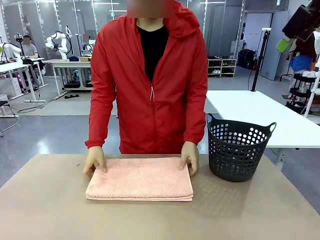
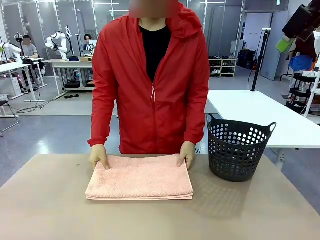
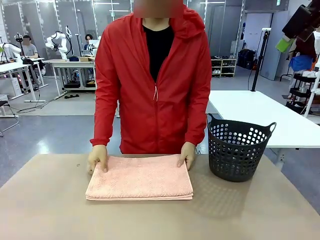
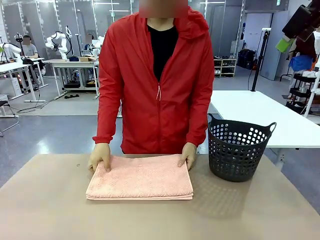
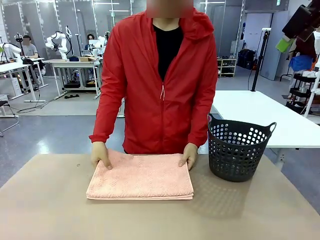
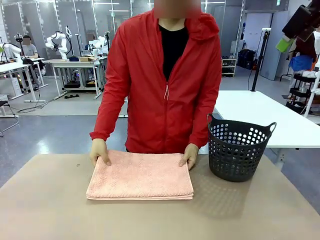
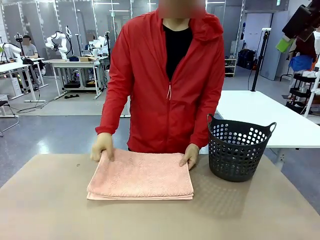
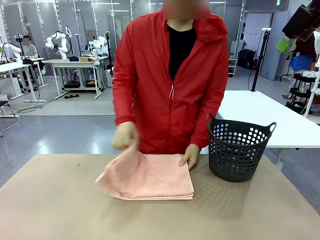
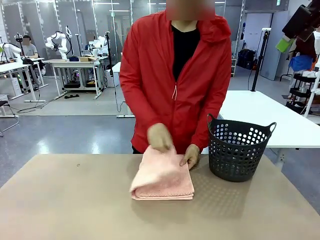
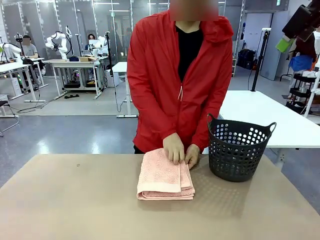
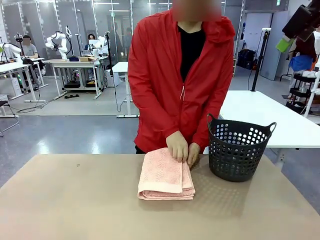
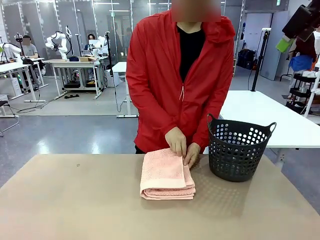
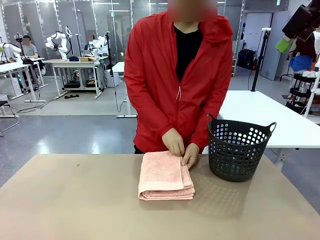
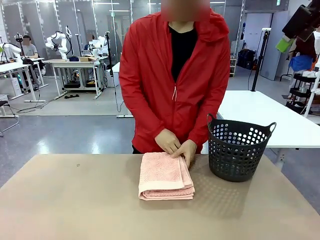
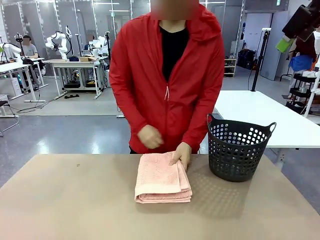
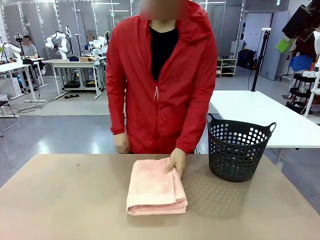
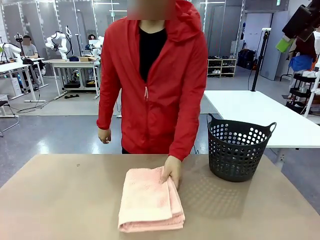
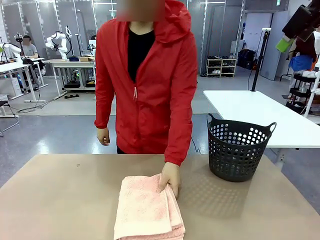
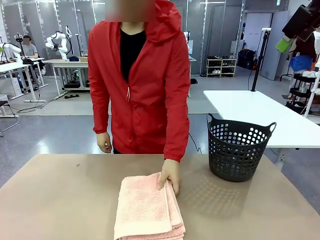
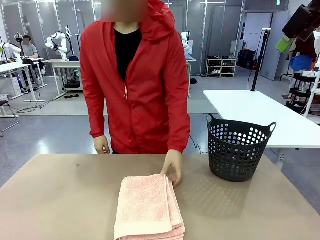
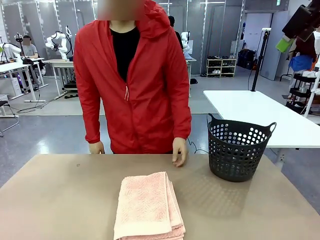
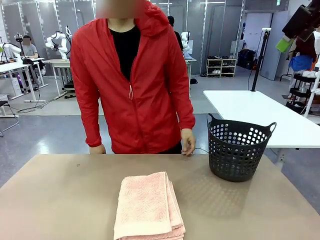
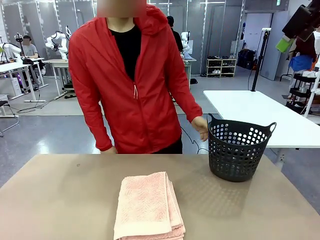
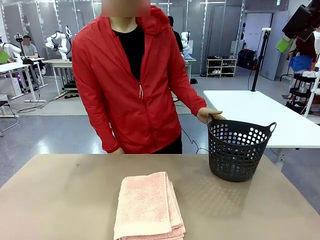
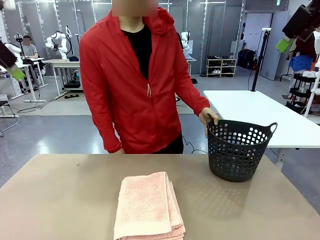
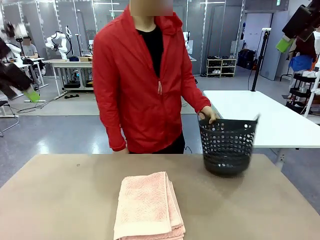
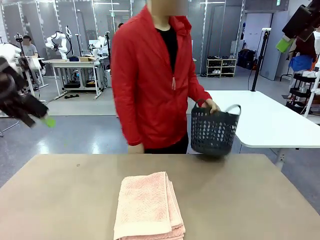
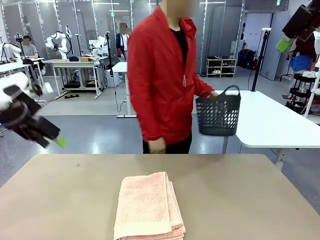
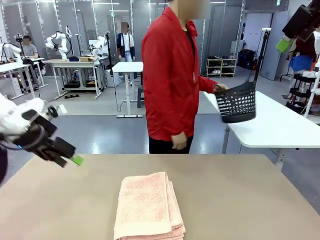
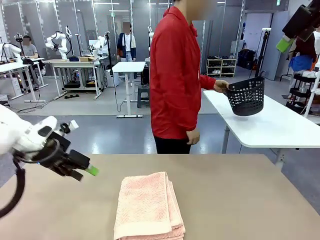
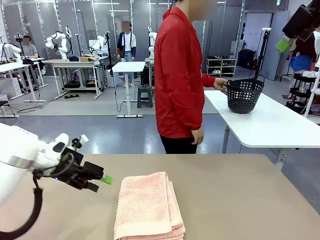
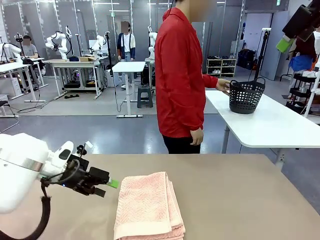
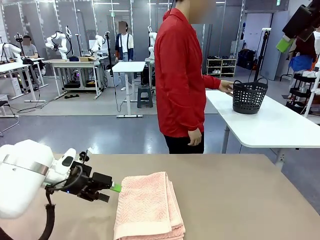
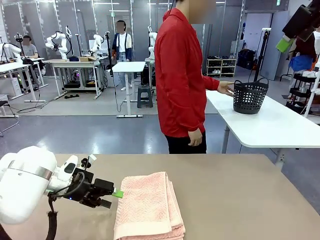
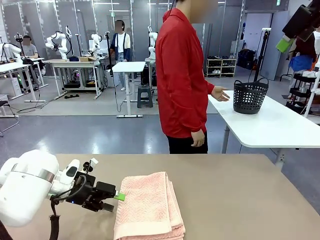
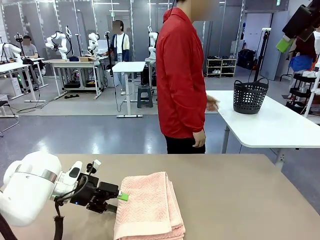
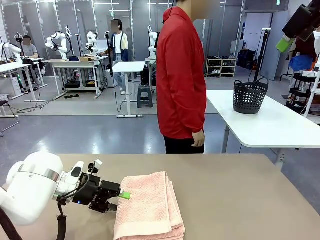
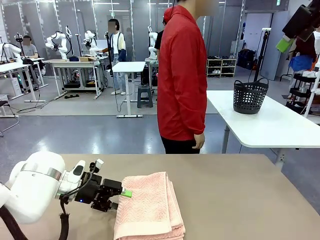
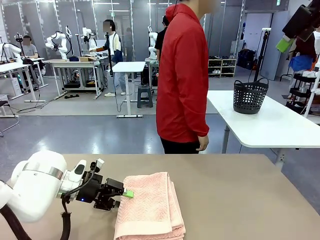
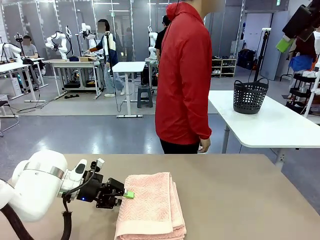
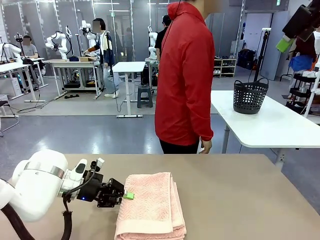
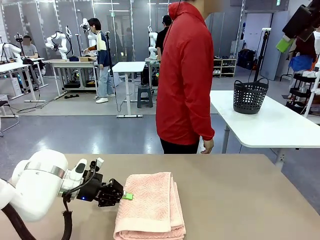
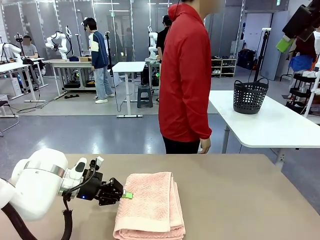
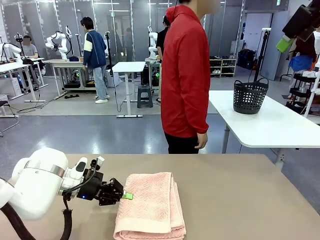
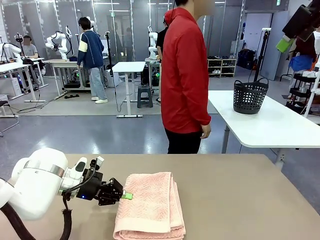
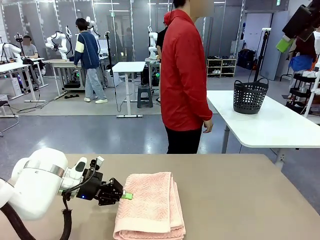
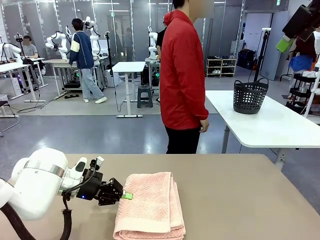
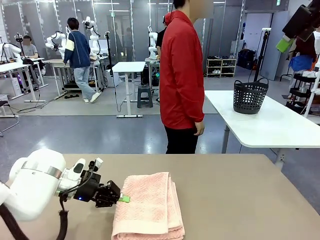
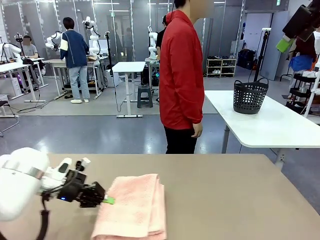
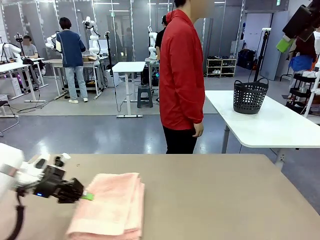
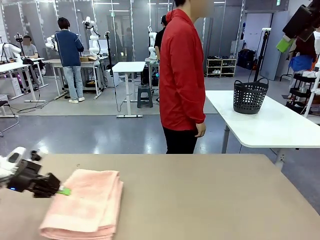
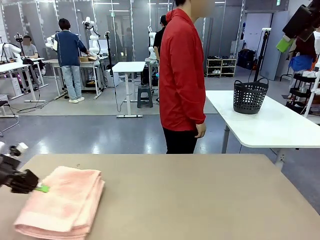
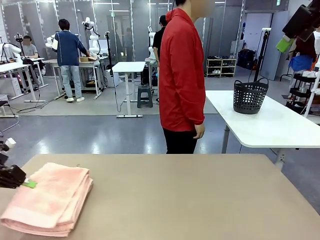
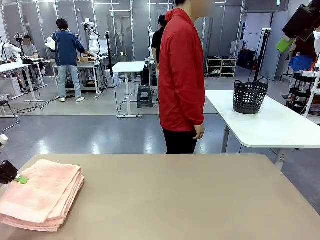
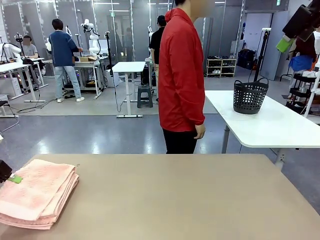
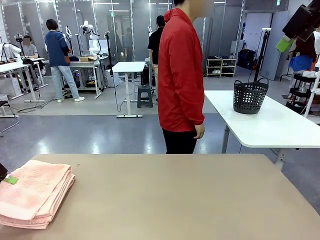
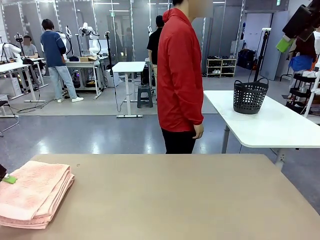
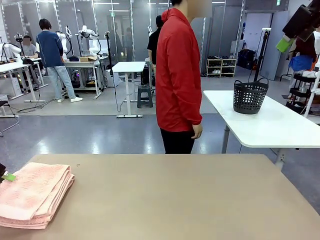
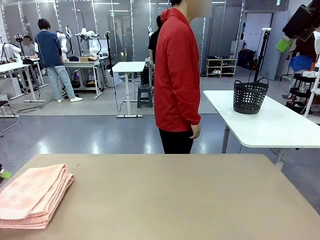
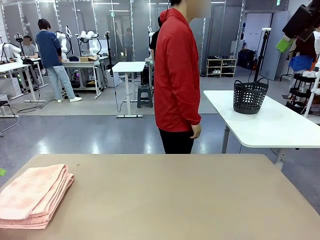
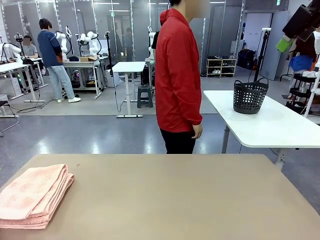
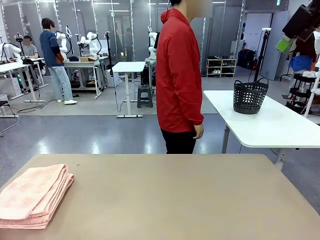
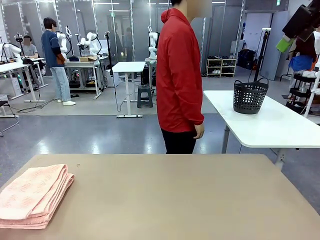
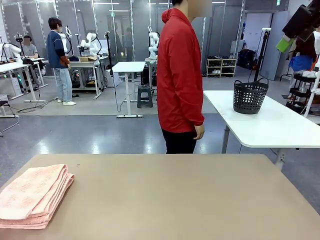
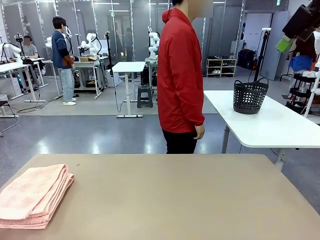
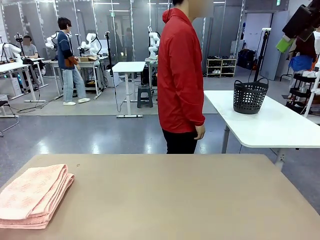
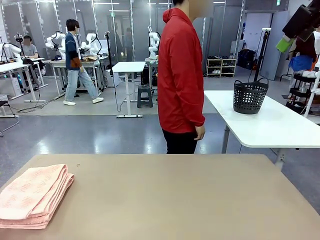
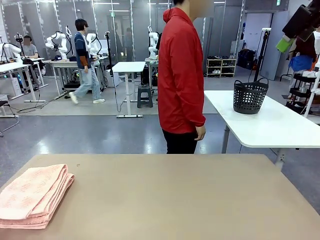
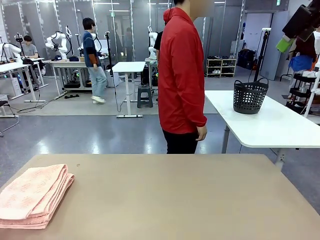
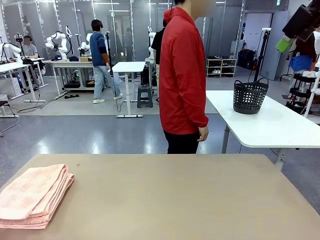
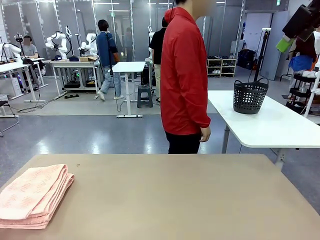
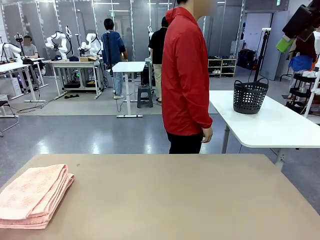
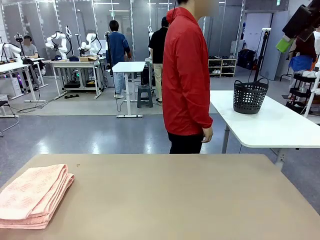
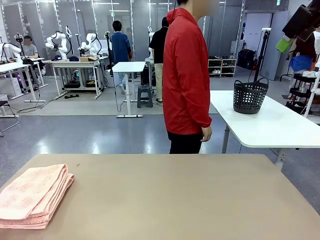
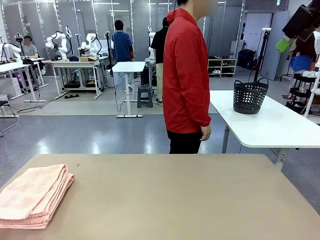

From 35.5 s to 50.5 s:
Task: Fold the towel.
Robot: Pick up the 100 cm Hotel Towel and place it on the left side of the table.
Person: Place the towel at the center of the robot table and fold it in half. Pick up the laundry basket and place it at the center of the human table.
